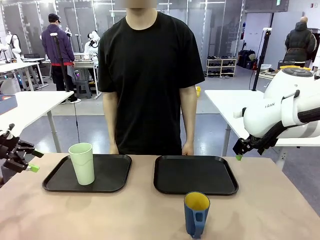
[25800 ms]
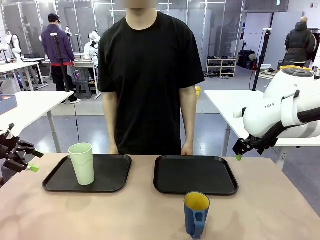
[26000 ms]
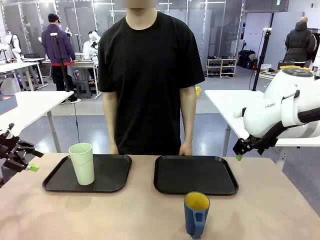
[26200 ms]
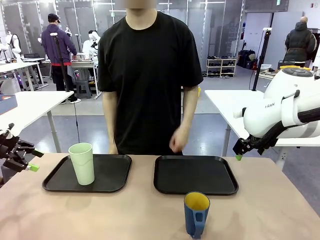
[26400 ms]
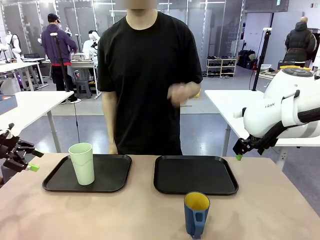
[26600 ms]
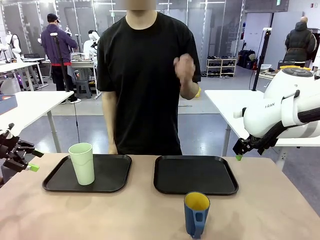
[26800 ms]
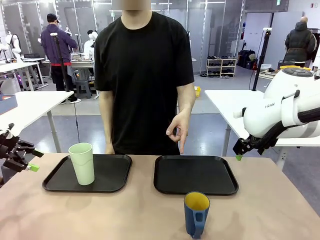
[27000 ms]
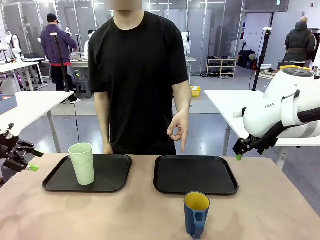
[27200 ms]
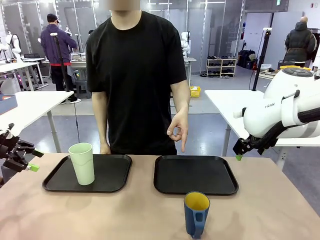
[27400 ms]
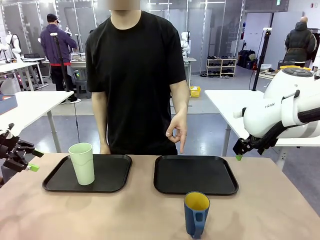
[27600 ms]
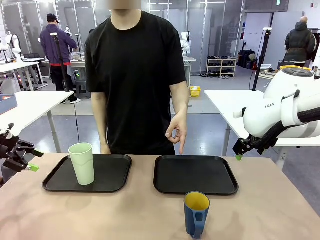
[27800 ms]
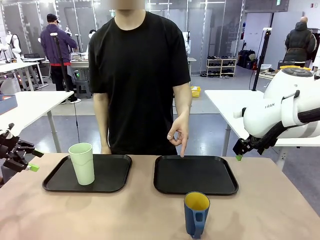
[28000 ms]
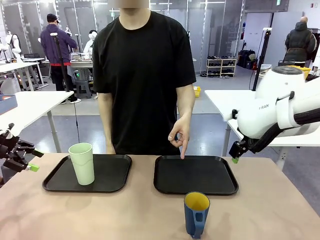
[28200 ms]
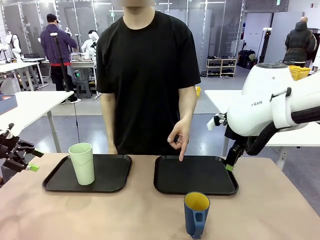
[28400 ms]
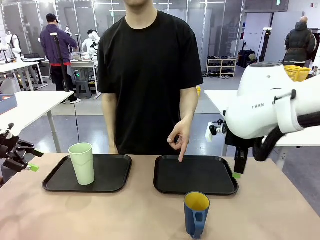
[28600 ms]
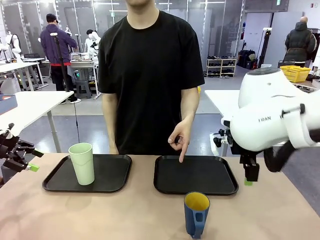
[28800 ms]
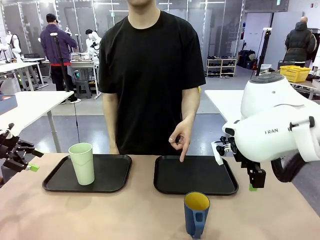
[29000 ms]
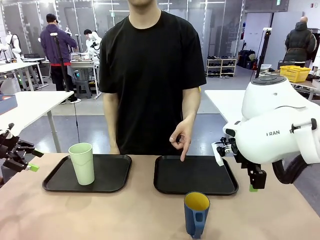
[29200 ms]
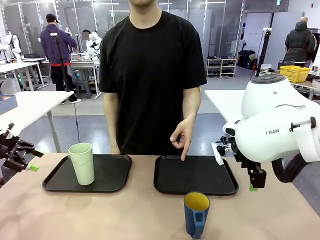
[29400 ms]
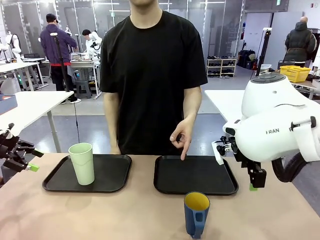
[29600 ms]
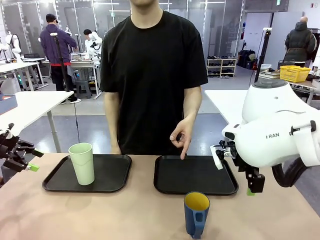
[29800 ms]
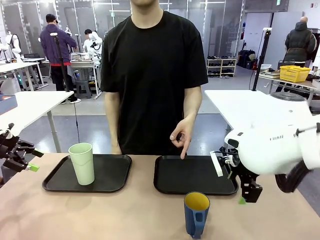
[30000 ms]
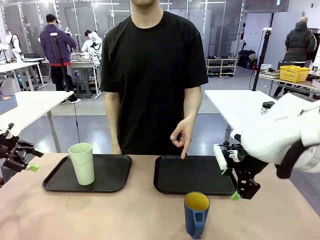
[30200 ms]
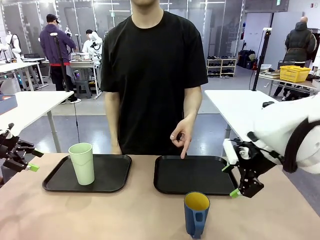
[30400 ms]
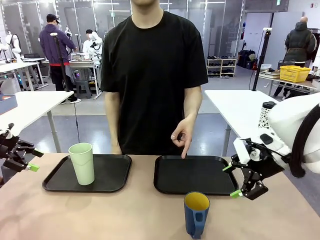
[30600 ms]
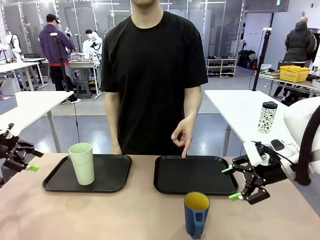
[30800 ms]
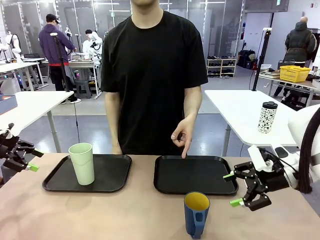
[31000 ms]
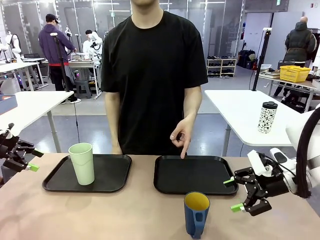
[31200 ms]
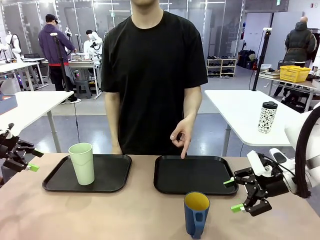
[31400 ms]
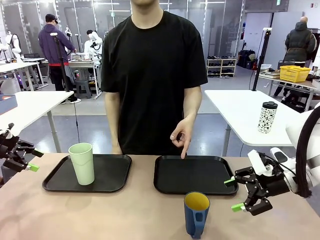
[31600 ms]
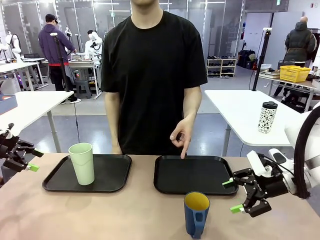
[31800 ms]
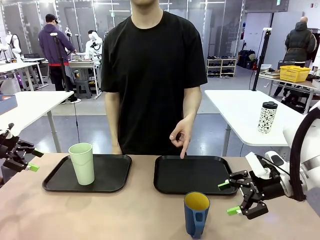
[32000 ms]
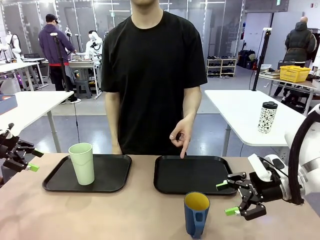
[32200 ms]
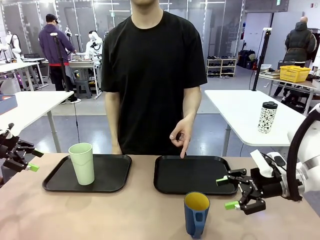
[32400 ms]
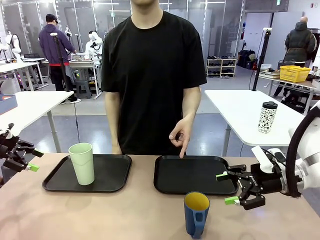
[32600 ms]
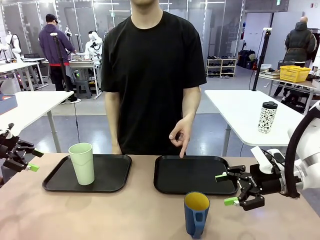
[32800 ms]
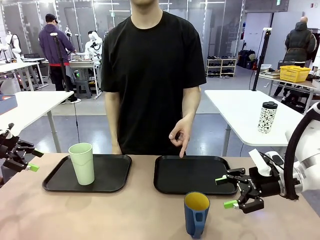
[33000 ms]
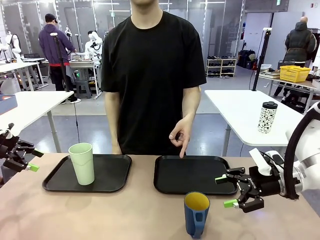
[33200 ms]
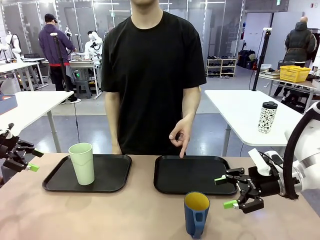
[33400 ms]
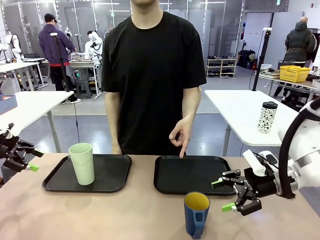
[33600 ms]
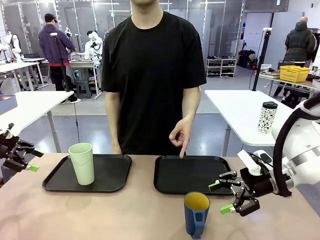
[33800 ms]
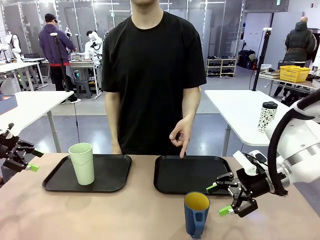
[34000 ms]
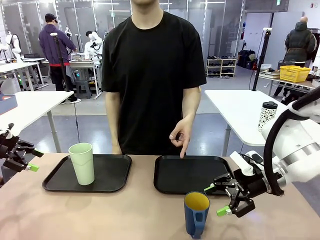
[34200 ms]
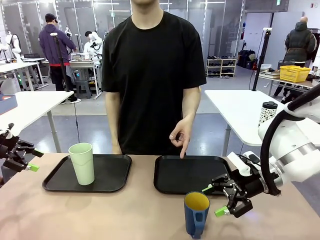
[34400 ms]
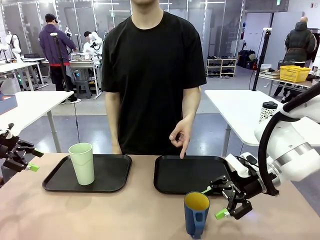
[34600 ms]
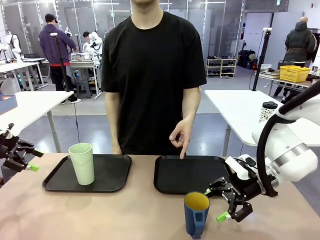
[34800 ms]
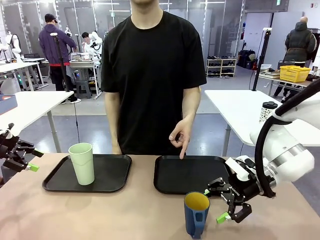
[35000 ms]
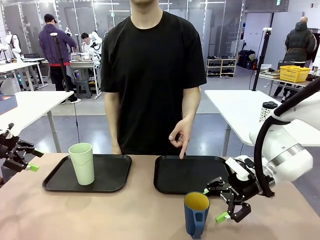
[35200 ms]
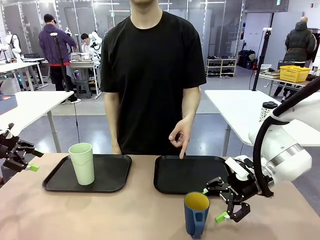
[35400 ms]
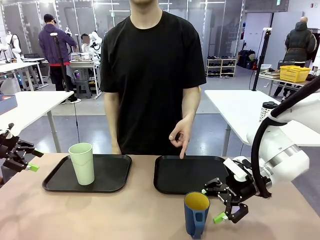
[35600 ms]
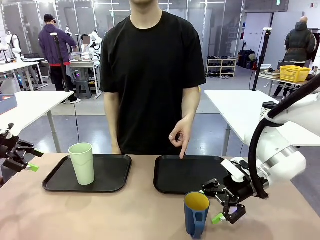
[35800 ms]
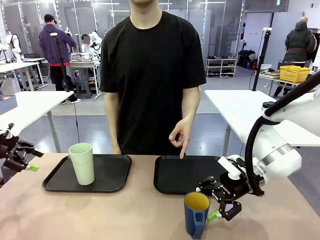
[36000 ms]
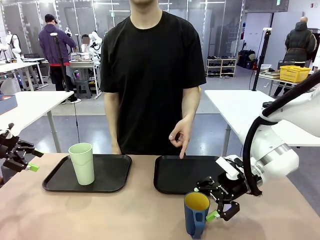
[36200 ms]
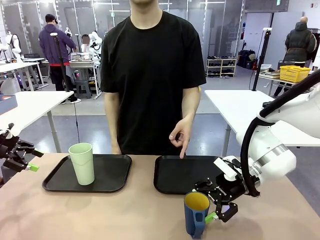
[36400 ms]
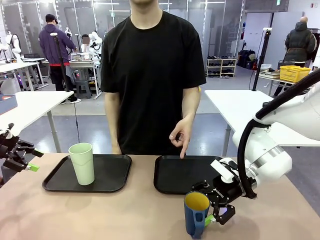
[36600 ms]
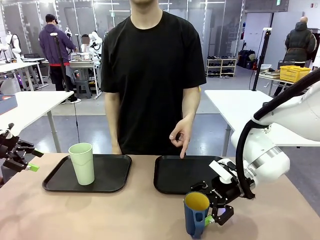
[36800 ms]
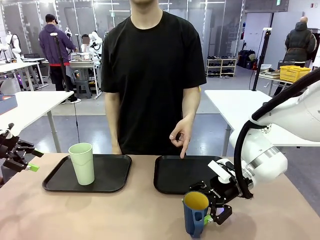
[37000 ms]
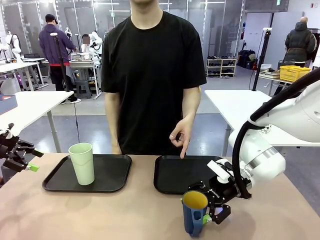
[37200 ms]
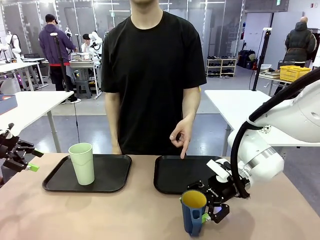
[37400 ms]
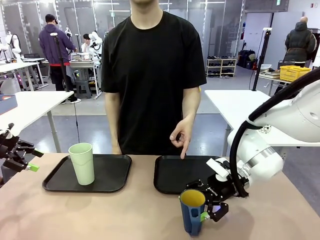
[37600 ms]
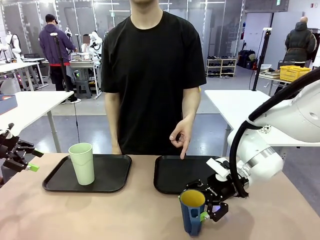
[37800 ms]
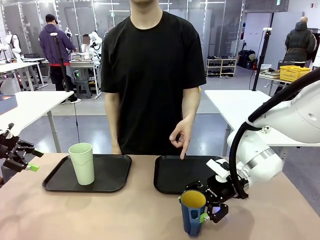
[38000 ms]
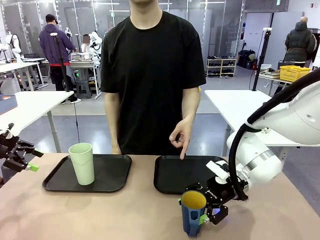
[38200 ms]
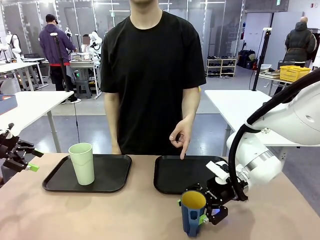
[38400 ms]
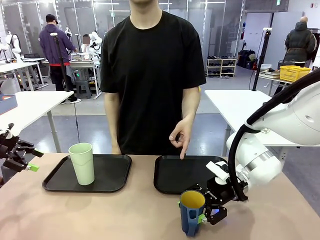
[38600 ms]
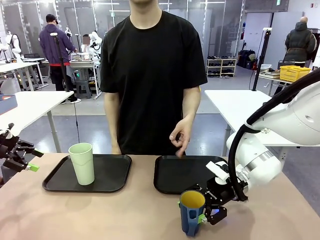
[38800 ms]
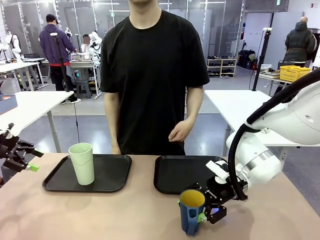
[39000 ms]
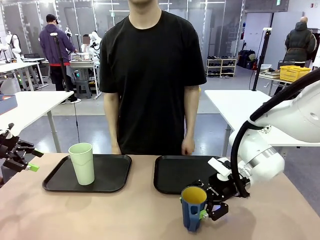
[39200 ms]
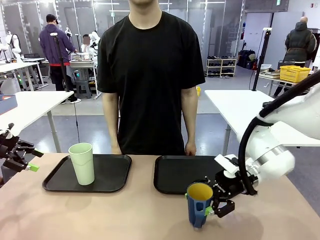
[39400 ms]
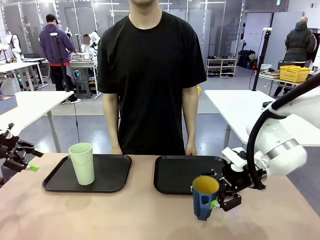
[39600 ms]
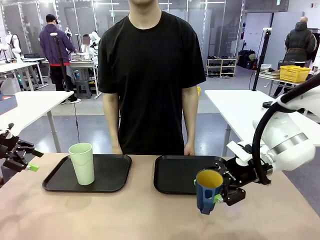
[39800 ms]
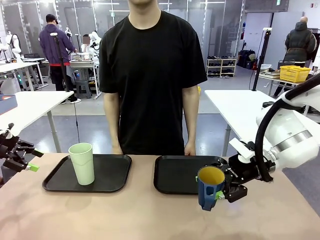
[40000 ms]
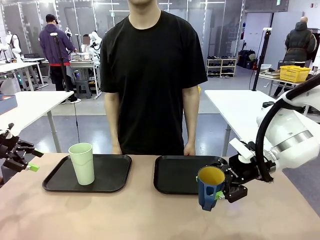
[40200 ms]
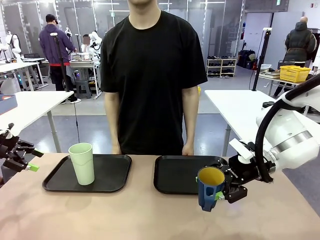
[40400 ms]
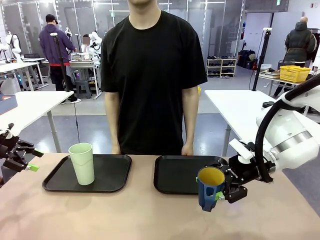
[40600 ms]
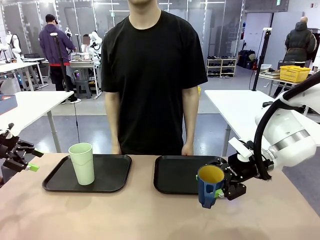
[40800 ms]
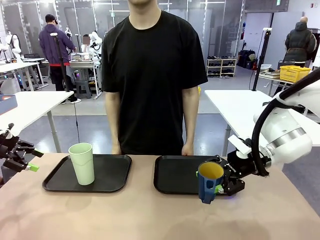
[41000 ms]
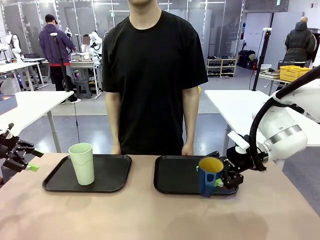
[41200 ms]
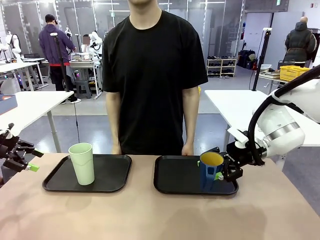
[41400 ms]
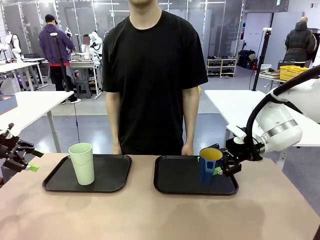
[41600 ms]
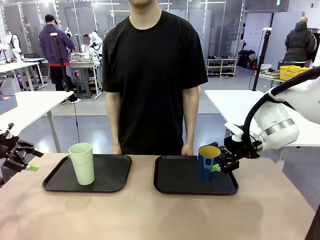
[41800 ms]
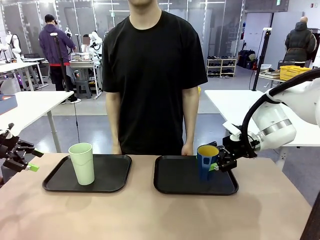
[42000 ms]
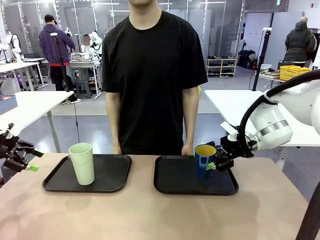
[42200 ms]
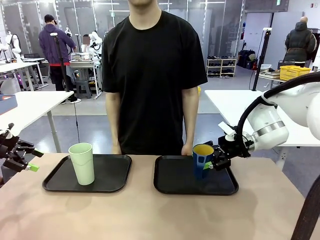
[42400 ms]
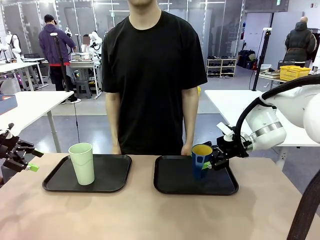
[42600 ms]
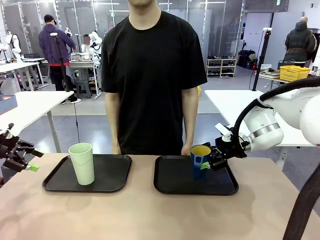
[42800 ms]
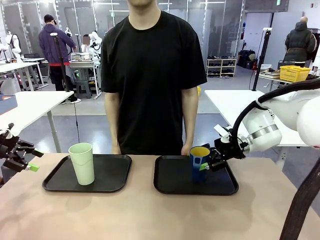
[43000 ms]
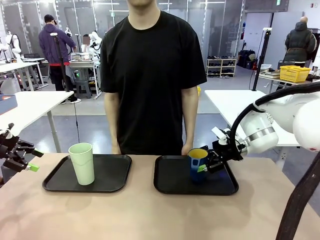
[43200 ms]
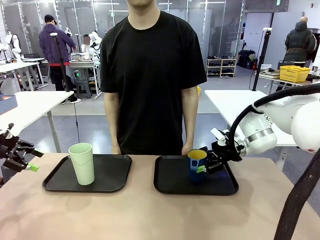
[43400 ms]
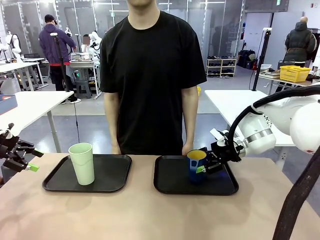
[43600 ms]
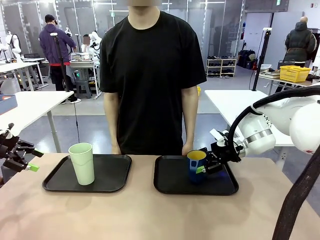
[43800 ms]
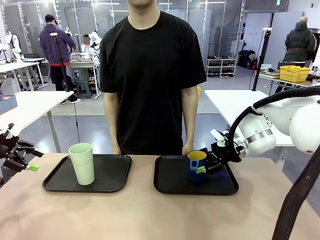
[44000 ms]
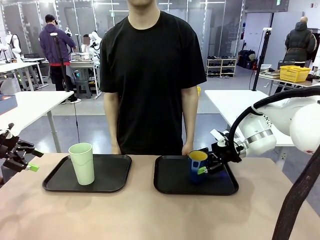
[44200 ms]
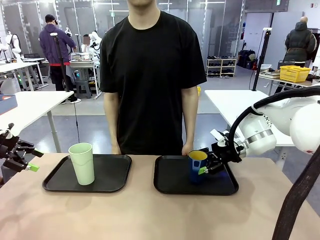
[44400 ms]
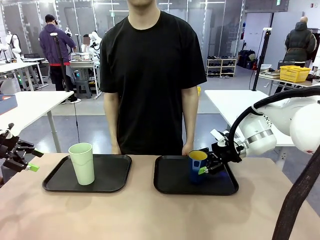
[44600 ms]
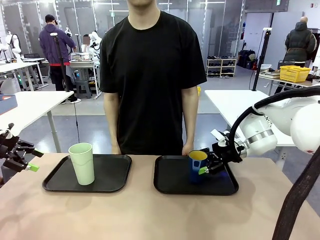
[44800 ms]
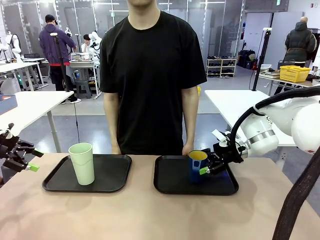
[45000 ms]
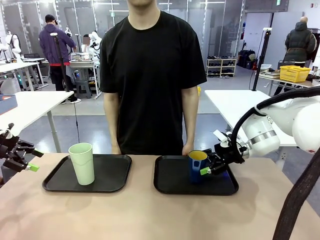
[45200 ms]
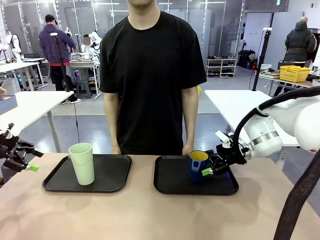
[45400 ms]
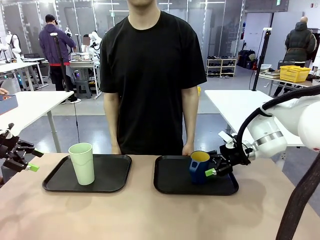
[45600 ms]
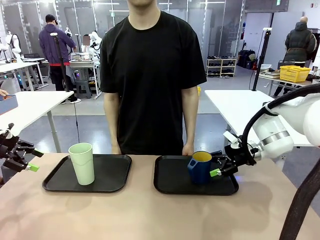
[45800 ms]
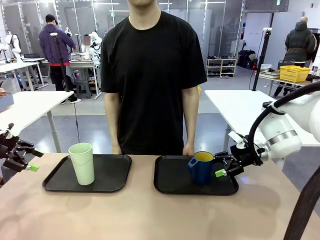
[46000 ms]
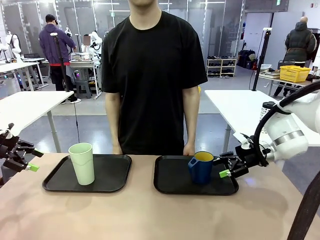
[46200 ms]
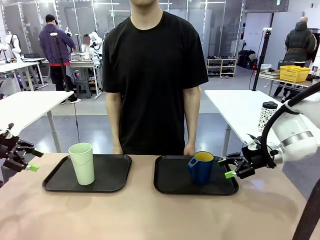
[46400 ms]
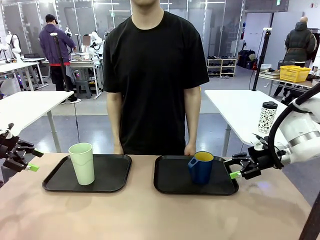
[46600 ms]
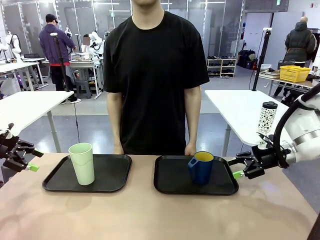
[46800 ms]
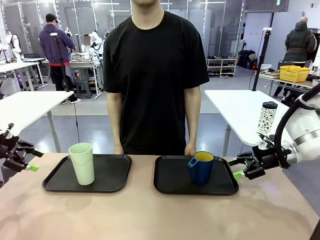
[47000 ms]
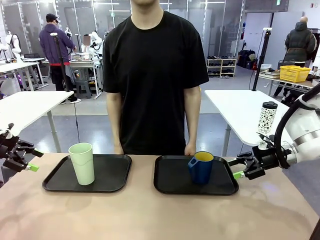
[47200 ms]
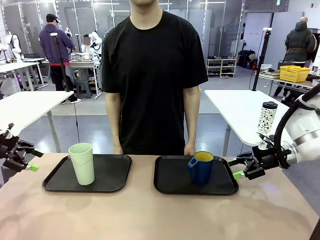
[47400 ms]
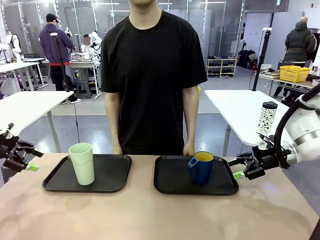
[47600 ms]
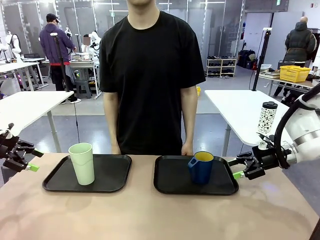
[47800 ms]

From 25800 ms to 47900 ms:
Task: Sort and store the cups by type.
Robot: Pick up the Handle plastic cup and place it into the empty Flat Tray.
Person: Points to the cup with a handle.
